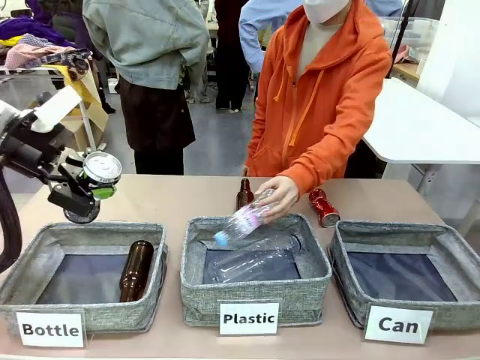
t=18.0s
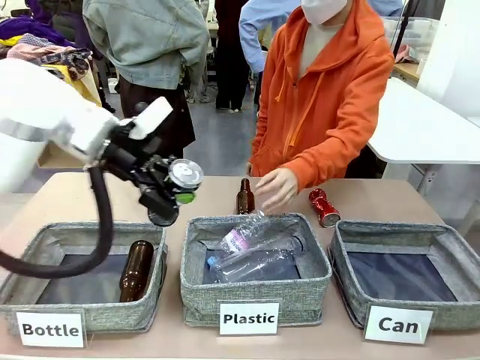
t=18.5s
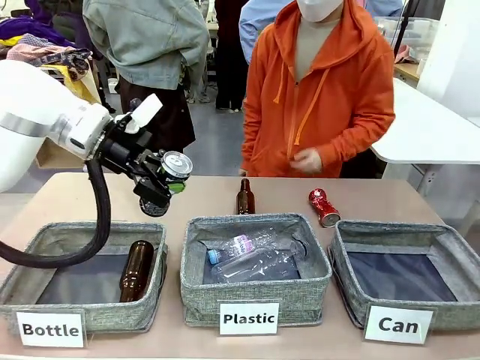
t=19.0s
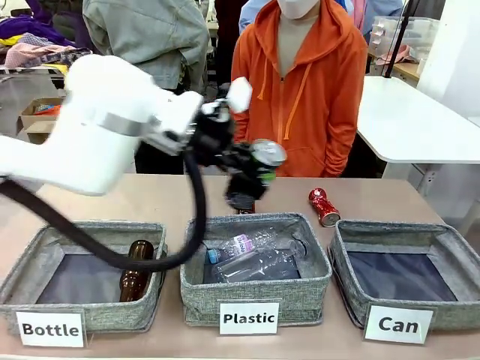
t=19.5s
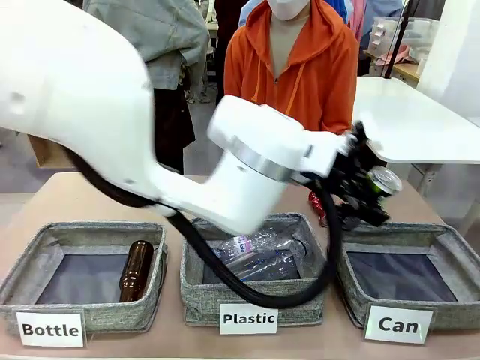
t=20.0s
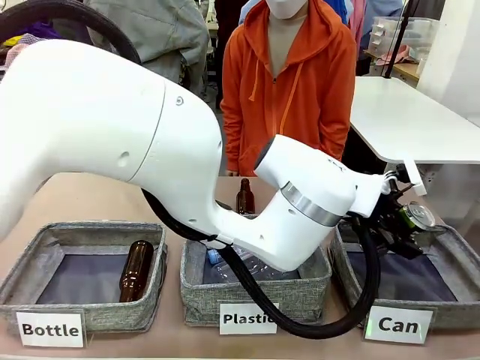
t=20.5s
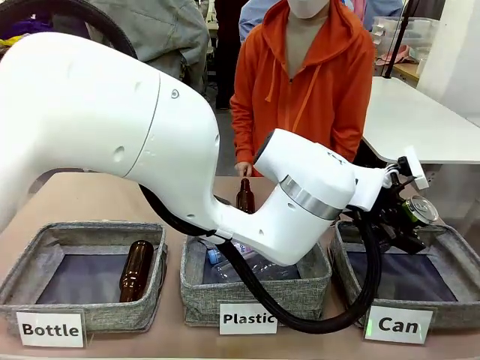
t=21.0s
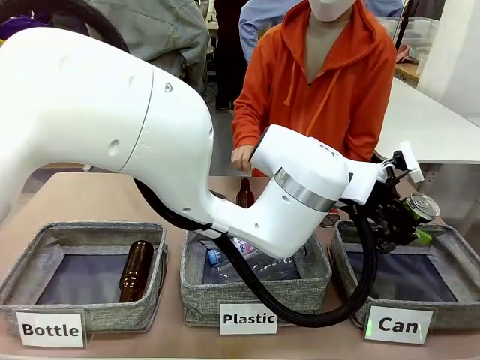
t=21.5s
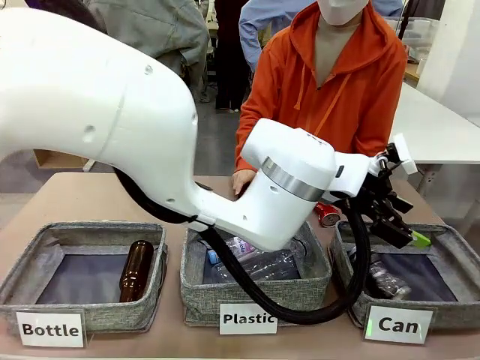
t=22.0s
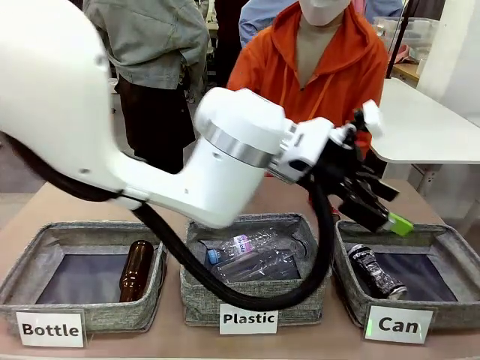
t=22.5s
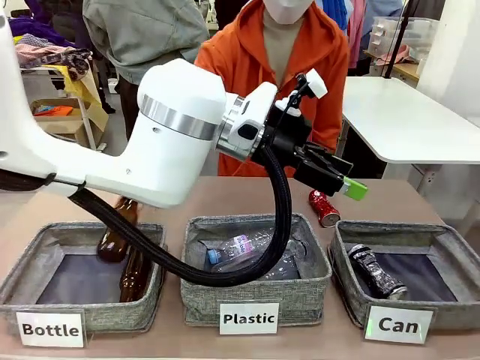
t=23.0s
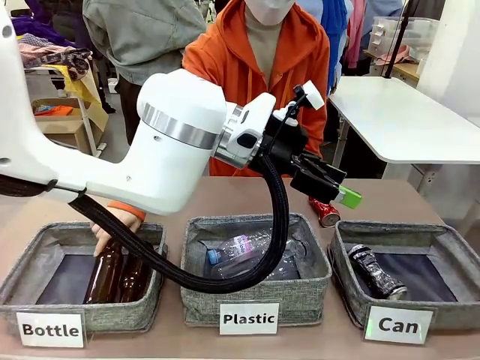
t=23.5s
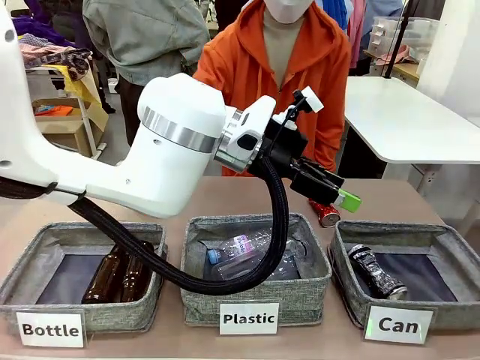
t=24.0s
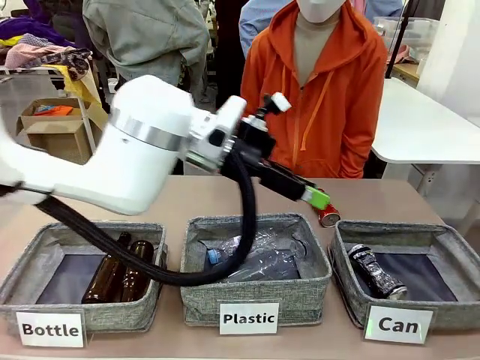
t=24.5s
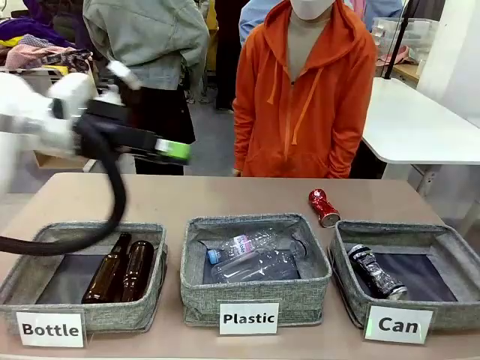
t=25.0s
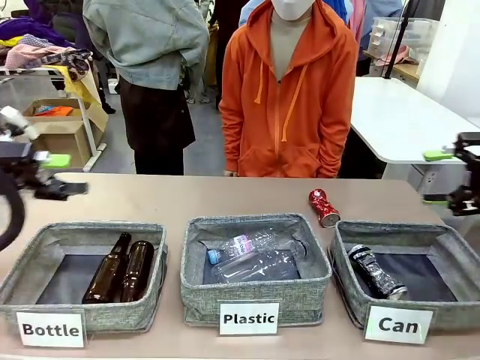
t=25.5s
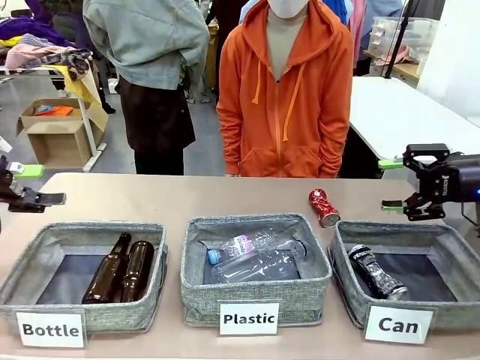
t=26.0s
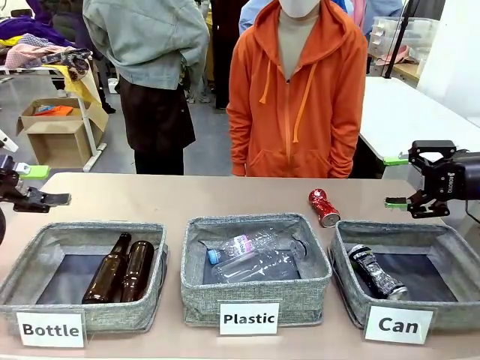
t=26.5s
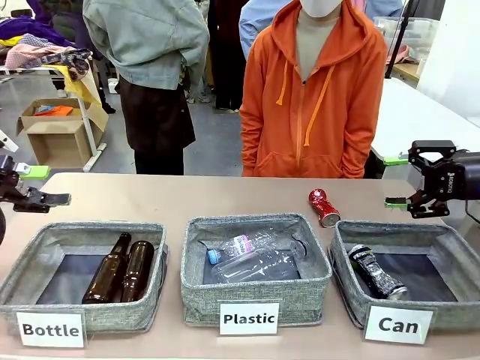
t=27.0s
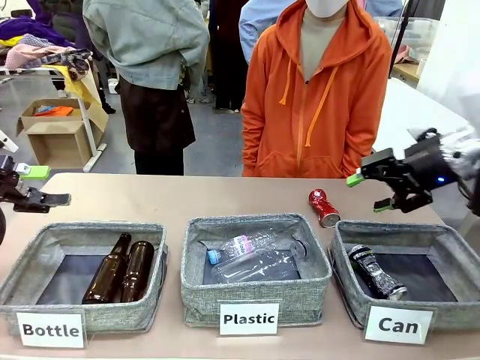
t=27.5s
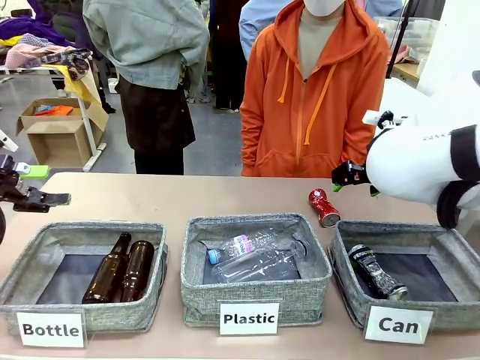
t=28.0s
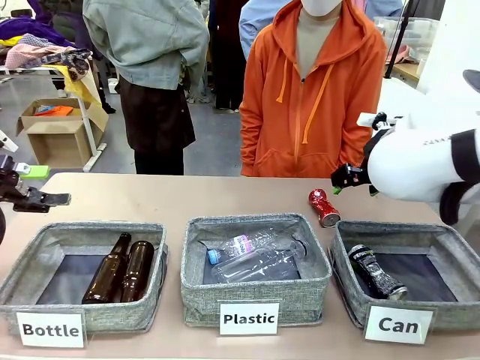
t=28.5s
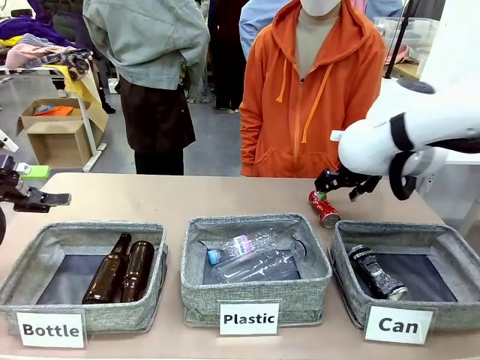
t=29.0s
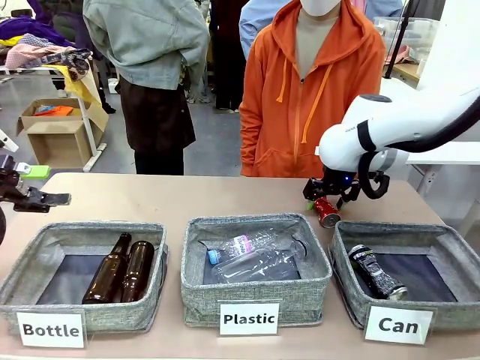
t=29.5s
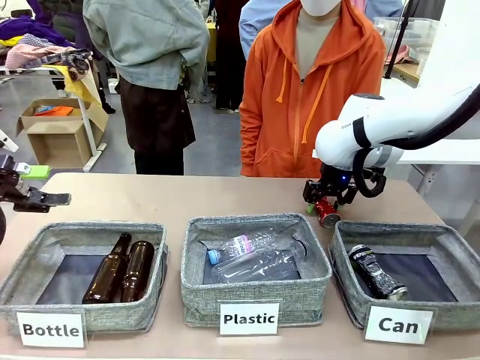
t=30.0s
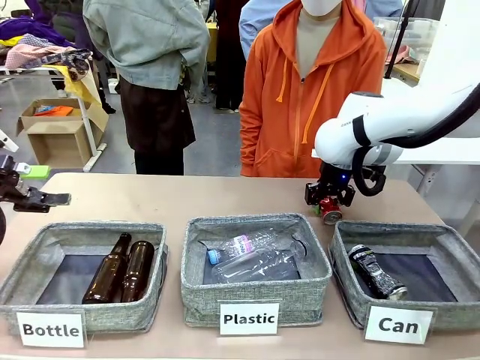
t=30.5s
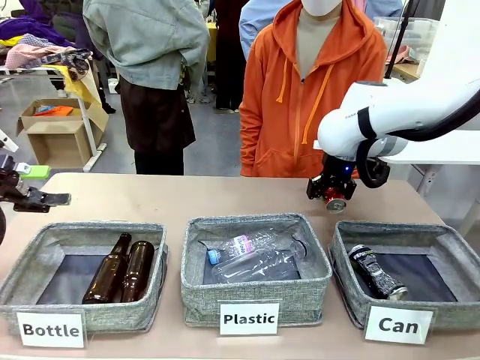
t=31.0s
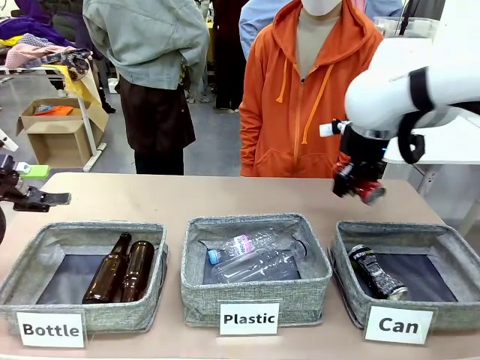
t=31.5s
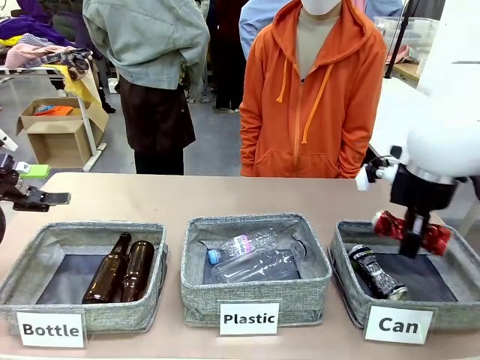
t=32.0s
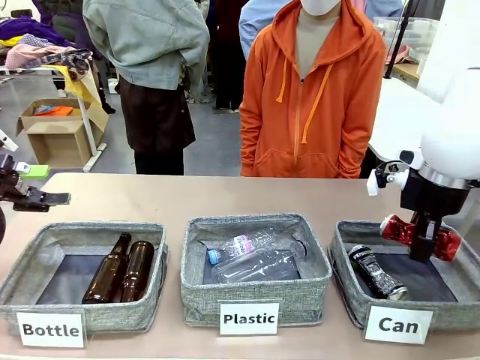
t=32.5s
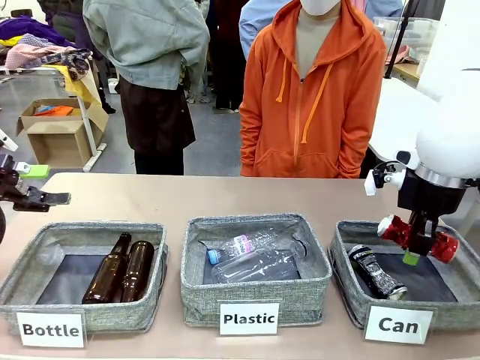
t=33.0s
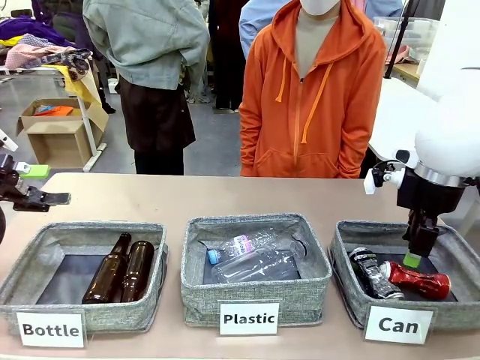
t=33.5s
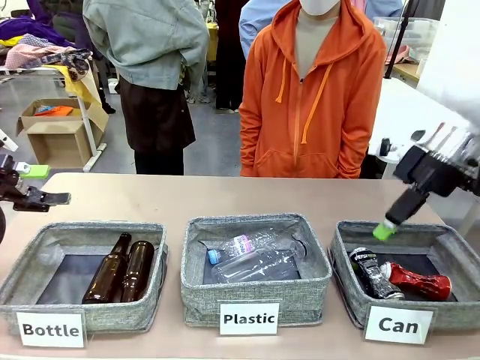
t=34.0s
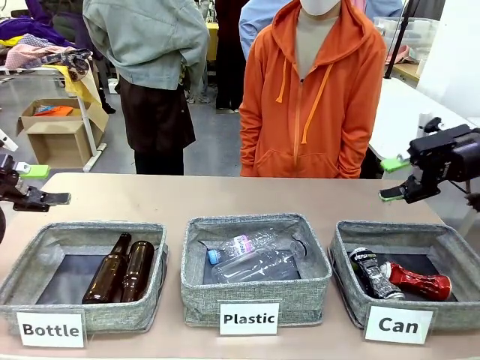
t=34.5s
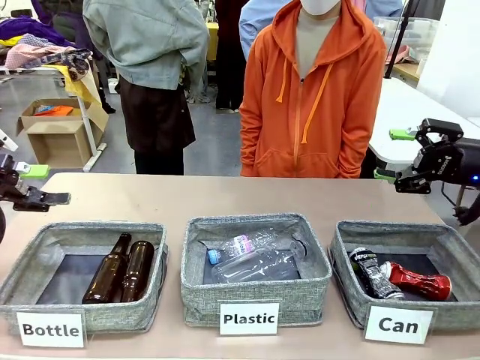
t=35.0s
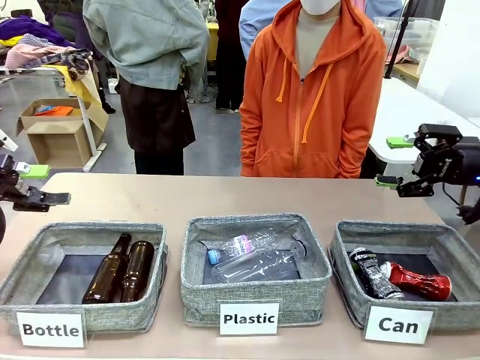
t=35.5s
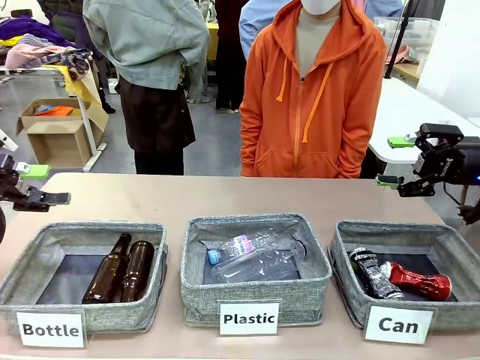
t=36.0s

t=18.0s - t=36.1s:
Task: Sort the can waste into the basket.
Robot: Pick up the can waste from the table and place it in the right Fabric basket.
Person: The human picks up one piece of trash that is not a can and places the trash into the appropriate organizing basket.

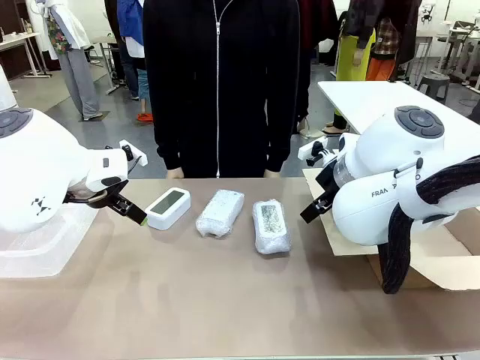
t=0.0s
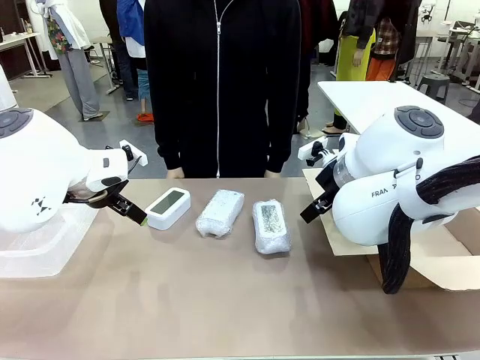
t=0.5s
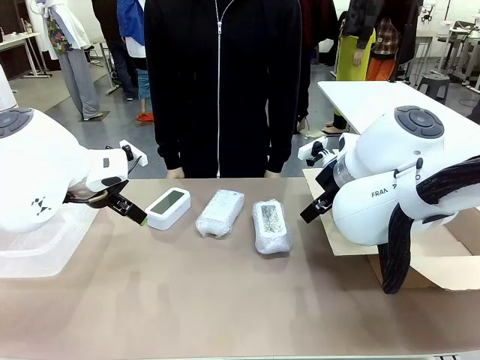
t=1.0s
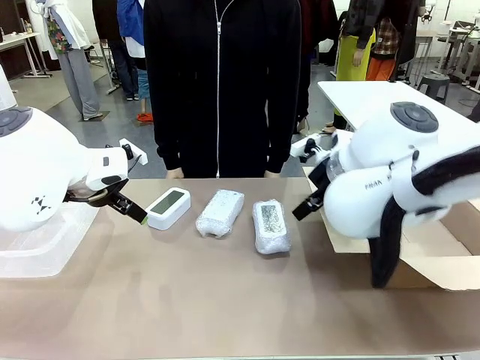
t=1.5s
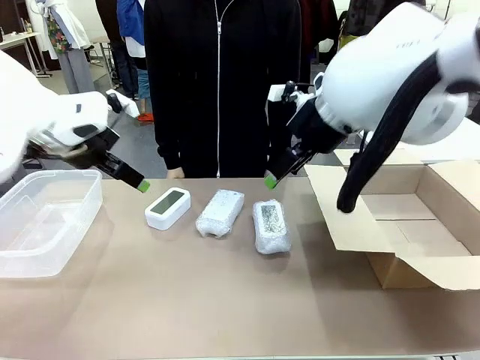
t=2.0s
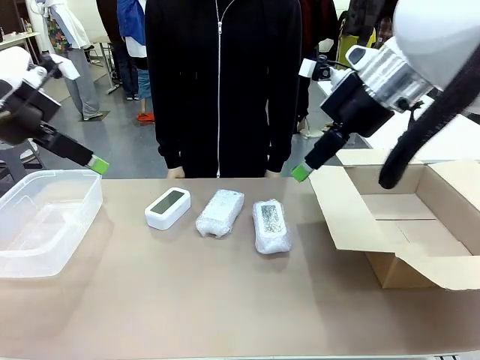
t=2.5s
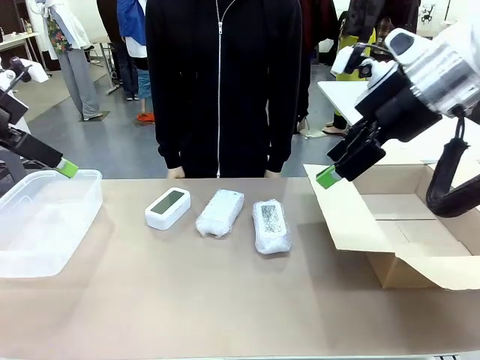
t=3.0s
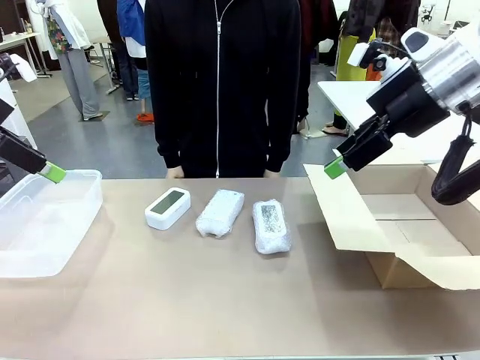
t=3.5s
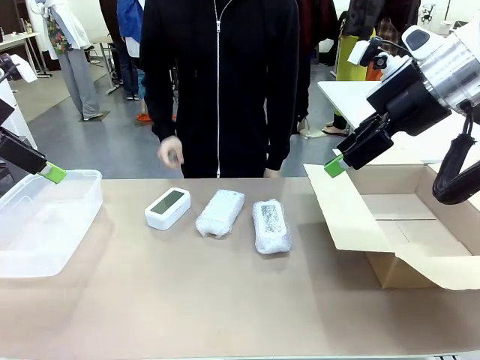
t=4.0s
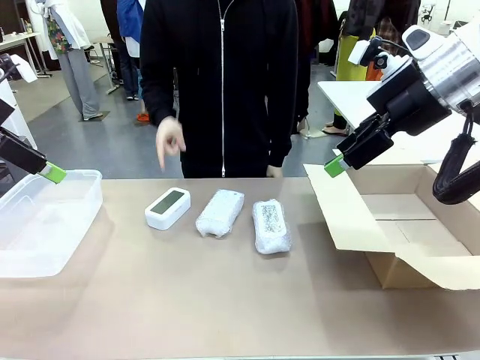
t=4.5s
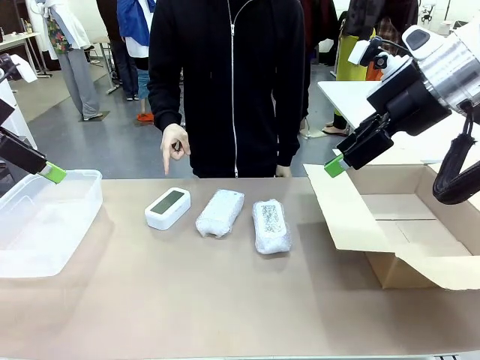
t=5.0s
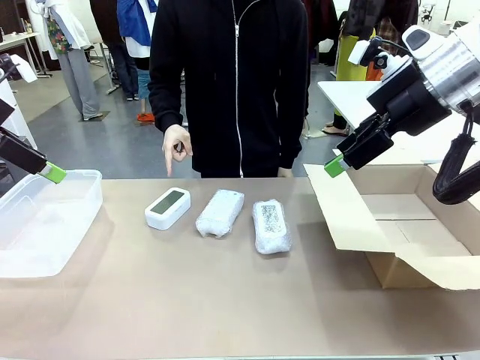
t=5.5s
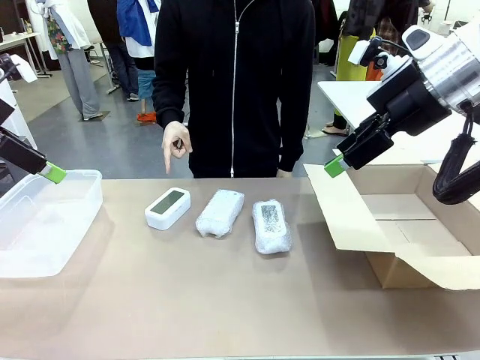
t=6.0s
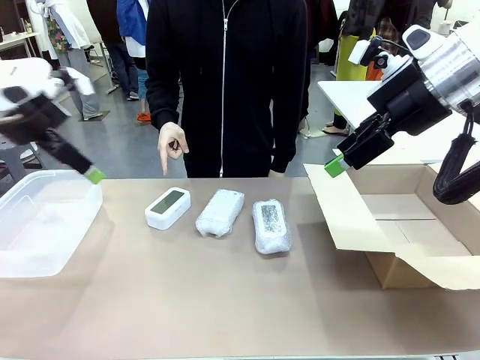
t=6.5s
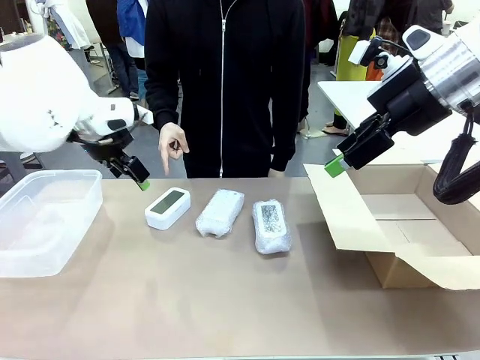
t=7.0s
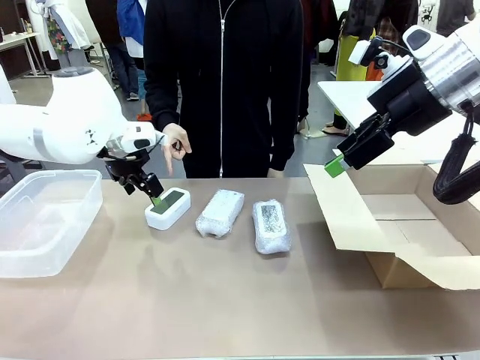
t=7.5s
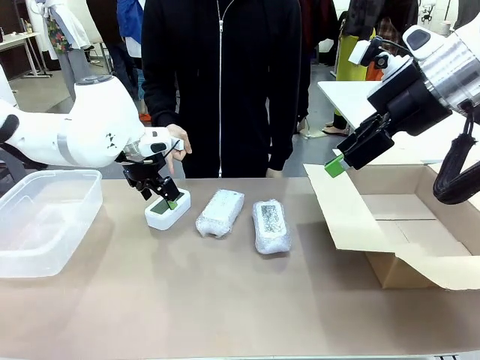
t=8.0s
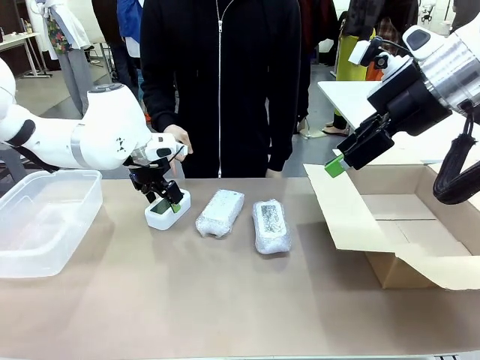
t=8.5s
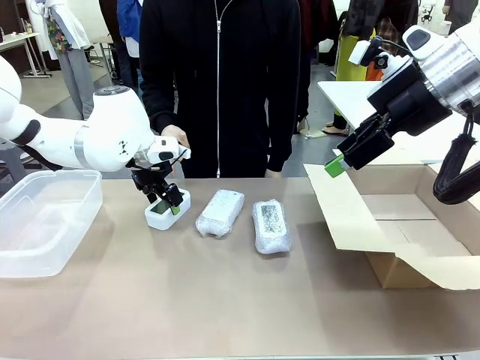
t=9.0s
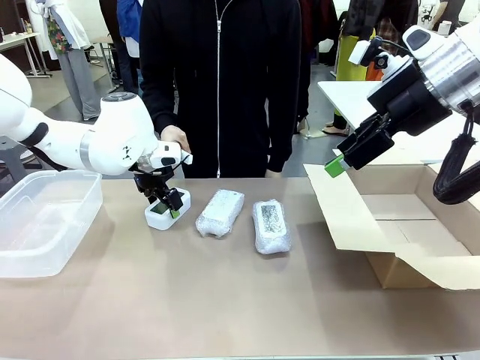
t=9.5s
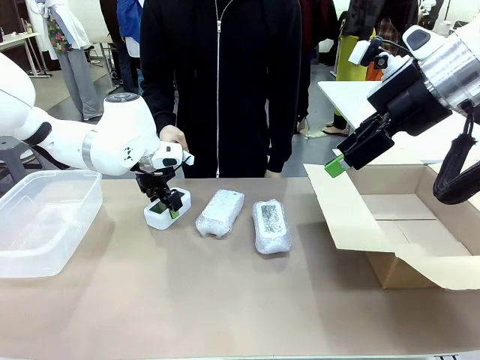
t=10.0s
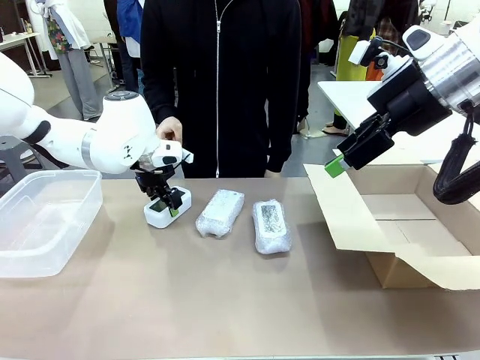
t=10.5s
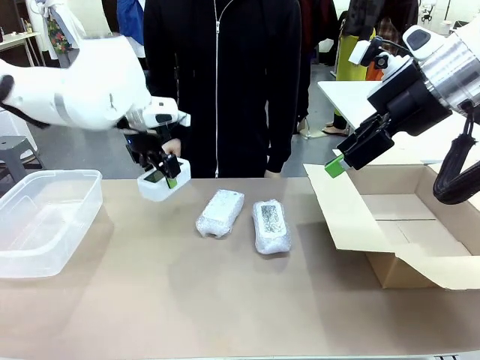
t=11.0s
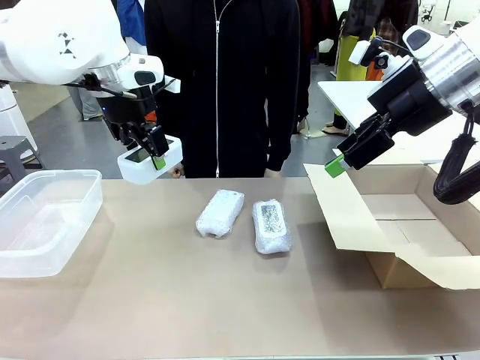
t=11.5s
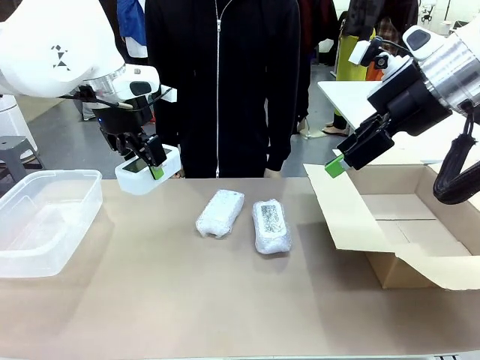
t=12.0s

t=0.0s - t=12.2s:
Task: Separate and place wrapped and unwrapped clocks.
Robot: Pick up the Digital clock indicated by the person.
